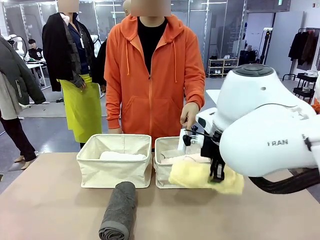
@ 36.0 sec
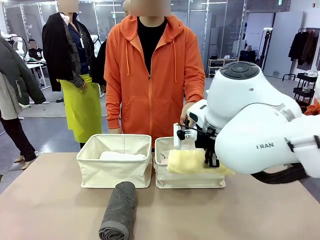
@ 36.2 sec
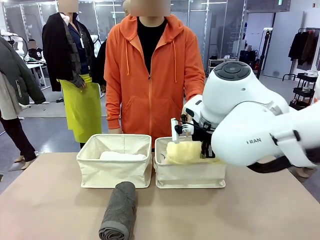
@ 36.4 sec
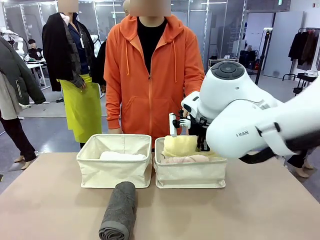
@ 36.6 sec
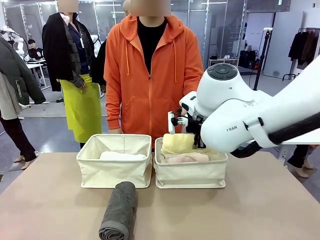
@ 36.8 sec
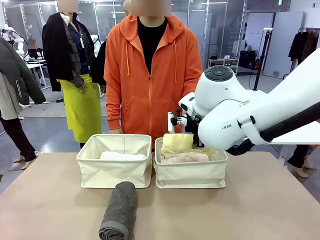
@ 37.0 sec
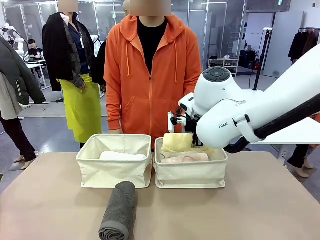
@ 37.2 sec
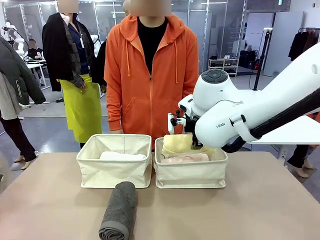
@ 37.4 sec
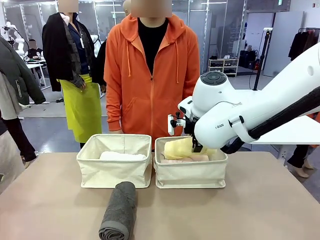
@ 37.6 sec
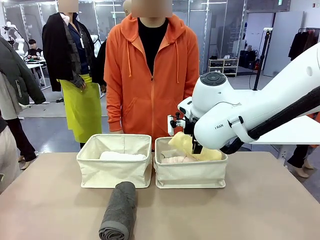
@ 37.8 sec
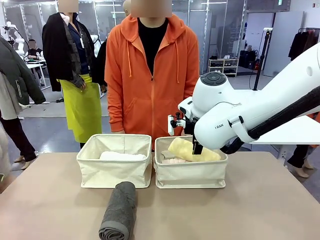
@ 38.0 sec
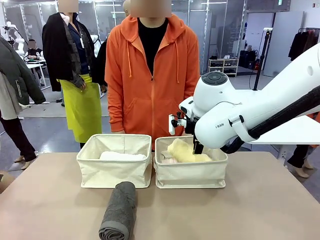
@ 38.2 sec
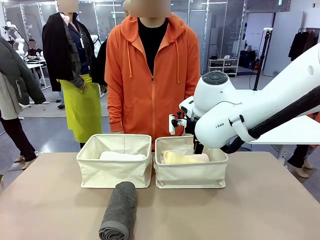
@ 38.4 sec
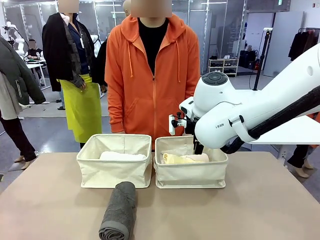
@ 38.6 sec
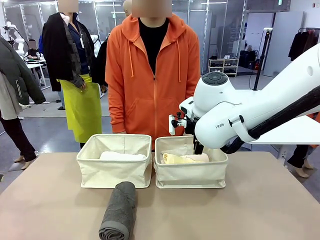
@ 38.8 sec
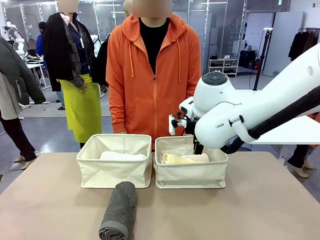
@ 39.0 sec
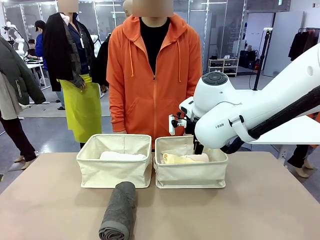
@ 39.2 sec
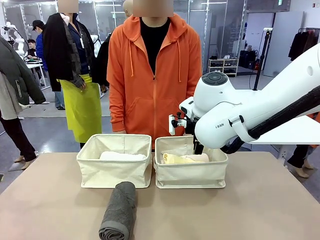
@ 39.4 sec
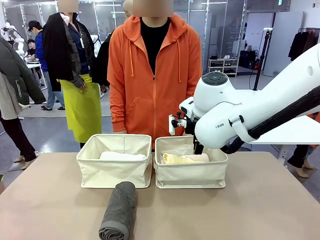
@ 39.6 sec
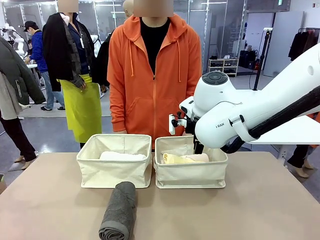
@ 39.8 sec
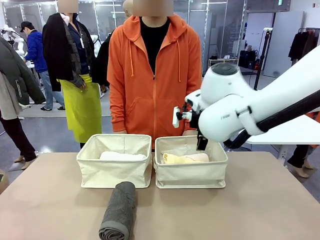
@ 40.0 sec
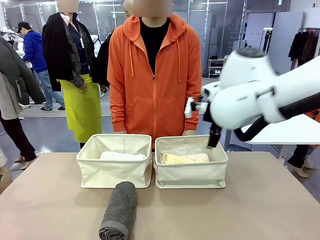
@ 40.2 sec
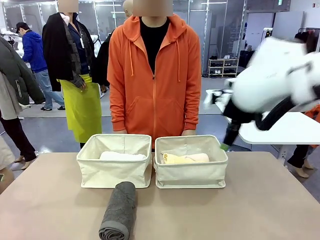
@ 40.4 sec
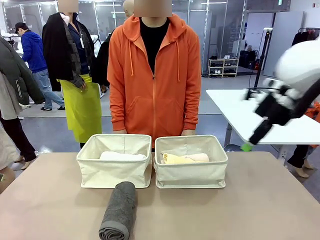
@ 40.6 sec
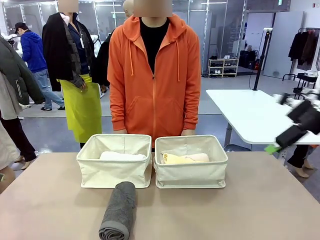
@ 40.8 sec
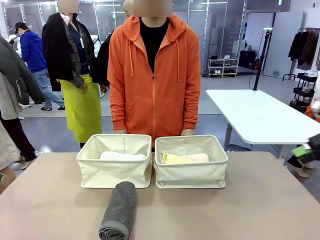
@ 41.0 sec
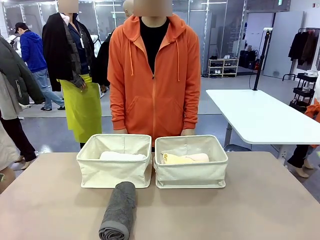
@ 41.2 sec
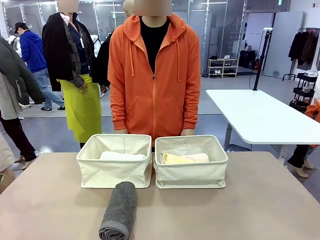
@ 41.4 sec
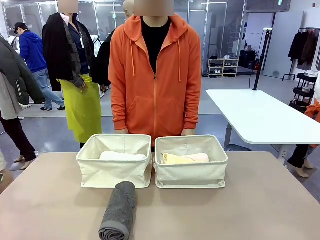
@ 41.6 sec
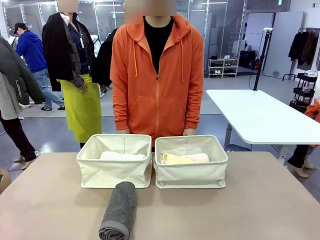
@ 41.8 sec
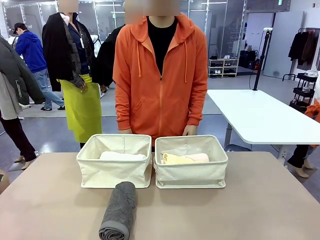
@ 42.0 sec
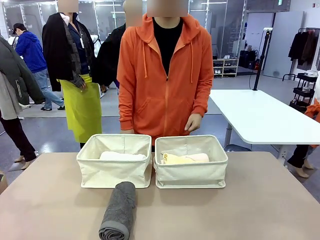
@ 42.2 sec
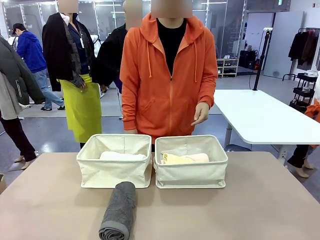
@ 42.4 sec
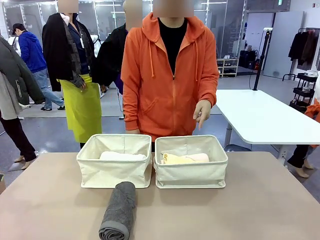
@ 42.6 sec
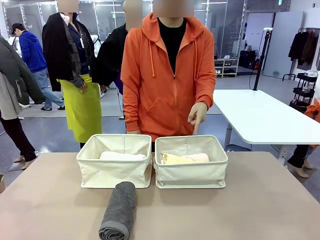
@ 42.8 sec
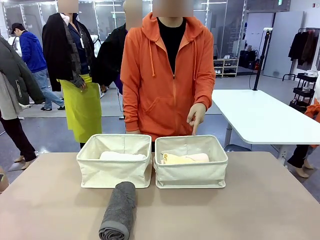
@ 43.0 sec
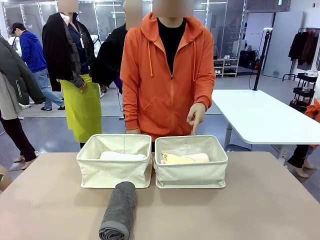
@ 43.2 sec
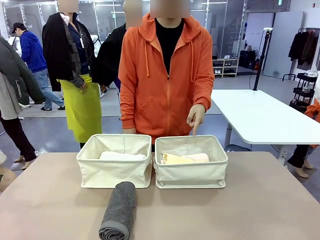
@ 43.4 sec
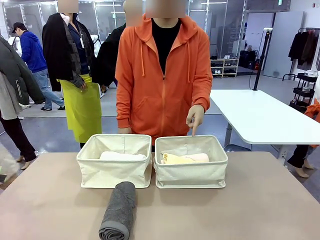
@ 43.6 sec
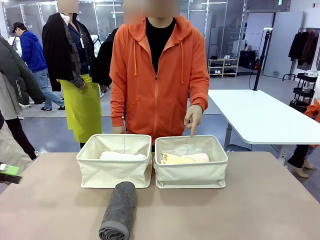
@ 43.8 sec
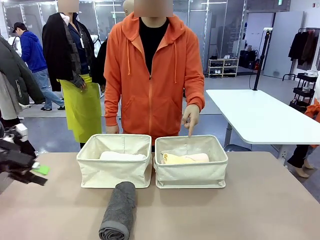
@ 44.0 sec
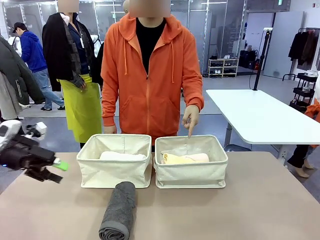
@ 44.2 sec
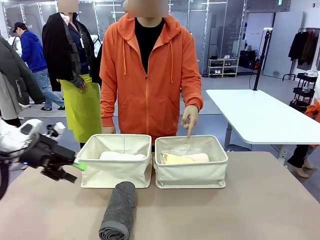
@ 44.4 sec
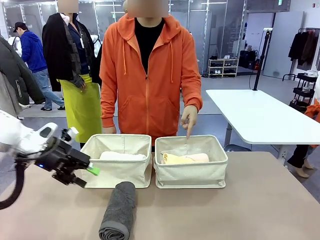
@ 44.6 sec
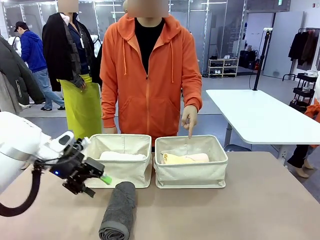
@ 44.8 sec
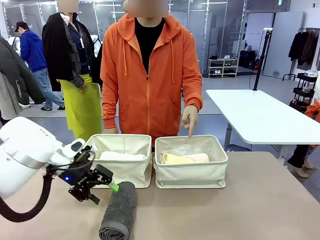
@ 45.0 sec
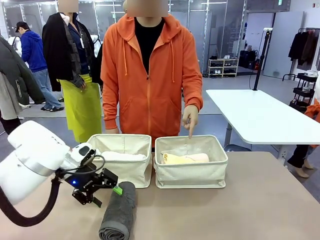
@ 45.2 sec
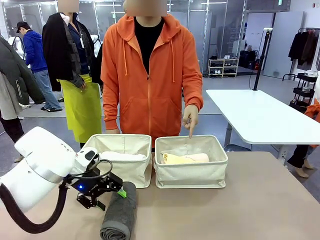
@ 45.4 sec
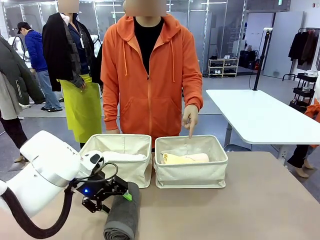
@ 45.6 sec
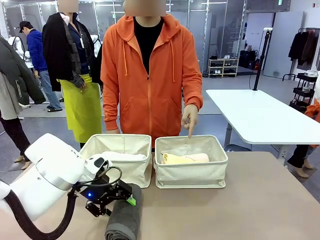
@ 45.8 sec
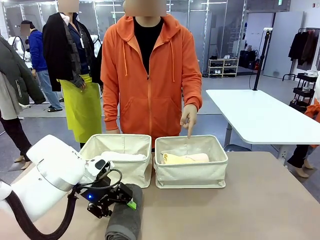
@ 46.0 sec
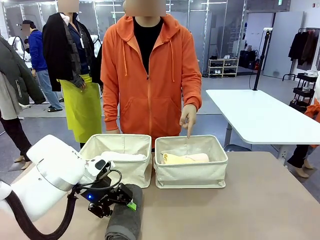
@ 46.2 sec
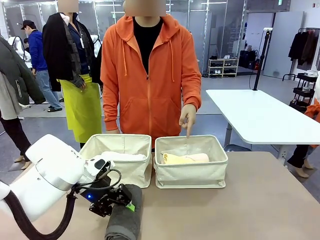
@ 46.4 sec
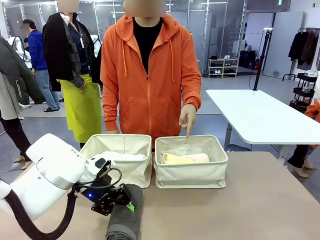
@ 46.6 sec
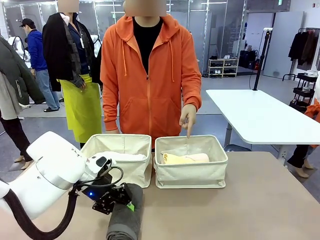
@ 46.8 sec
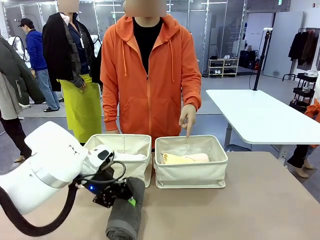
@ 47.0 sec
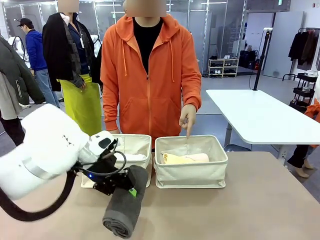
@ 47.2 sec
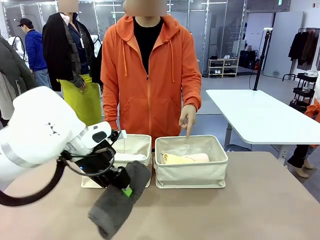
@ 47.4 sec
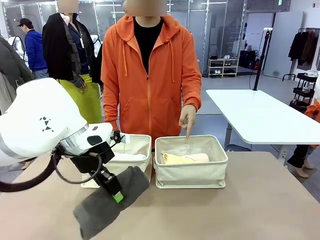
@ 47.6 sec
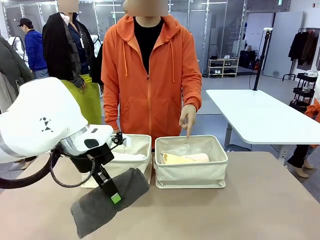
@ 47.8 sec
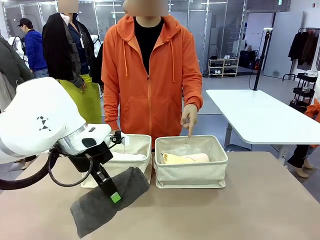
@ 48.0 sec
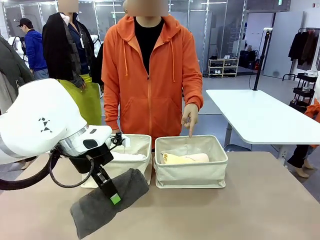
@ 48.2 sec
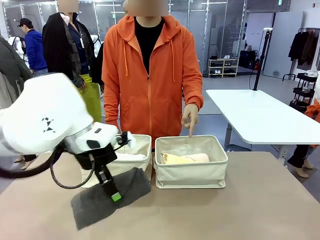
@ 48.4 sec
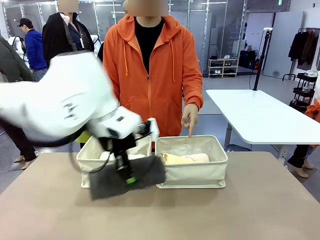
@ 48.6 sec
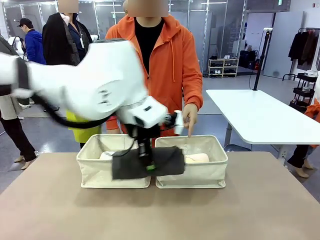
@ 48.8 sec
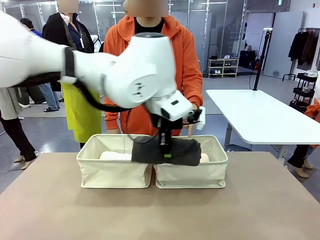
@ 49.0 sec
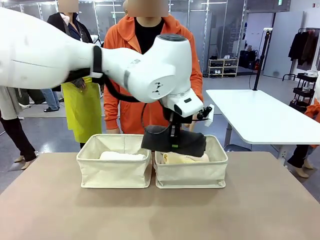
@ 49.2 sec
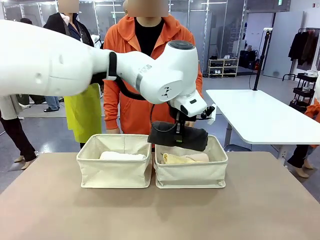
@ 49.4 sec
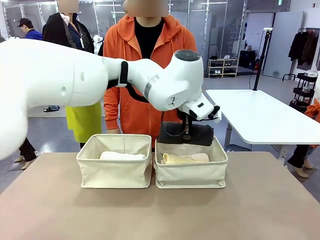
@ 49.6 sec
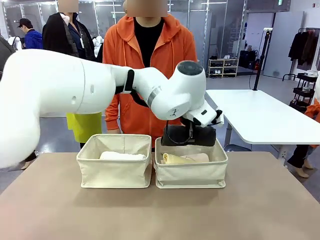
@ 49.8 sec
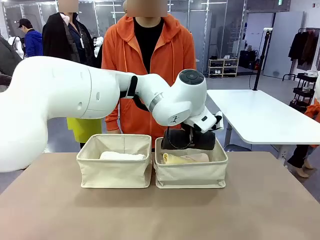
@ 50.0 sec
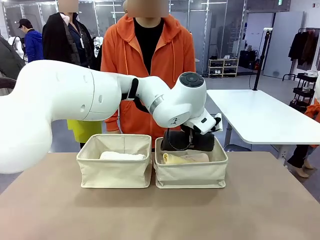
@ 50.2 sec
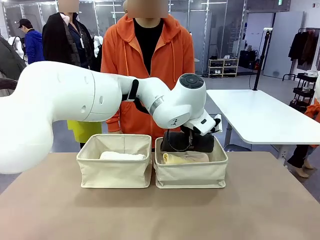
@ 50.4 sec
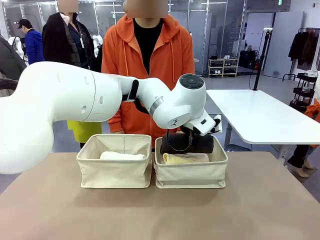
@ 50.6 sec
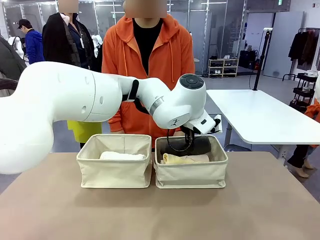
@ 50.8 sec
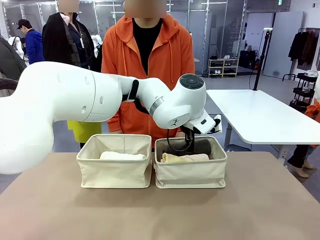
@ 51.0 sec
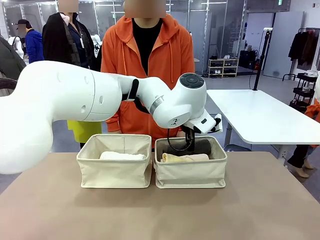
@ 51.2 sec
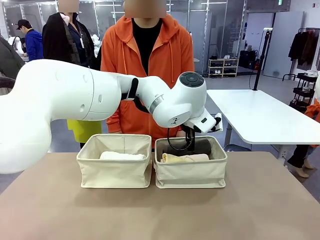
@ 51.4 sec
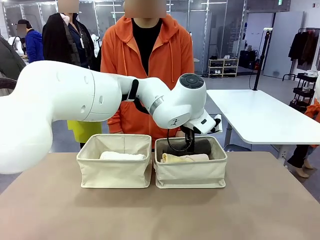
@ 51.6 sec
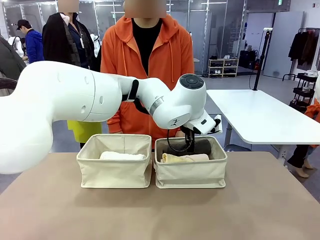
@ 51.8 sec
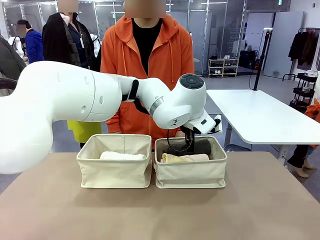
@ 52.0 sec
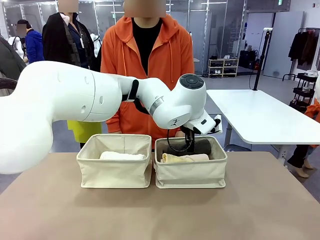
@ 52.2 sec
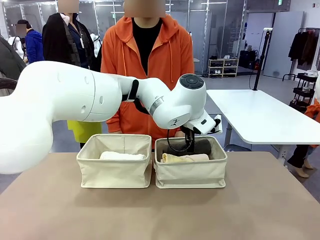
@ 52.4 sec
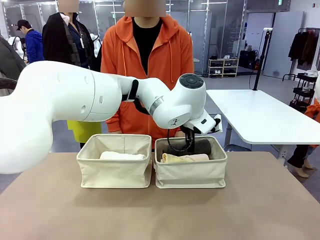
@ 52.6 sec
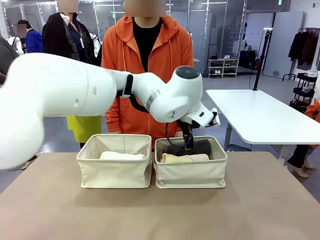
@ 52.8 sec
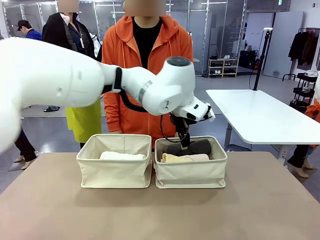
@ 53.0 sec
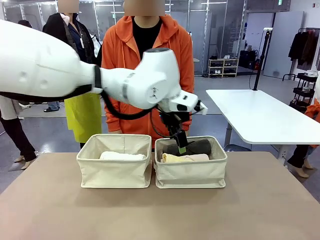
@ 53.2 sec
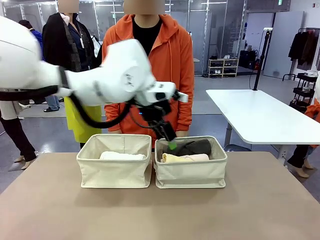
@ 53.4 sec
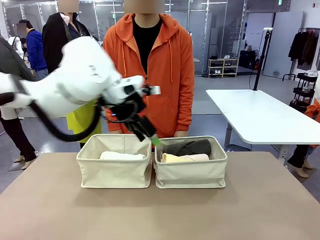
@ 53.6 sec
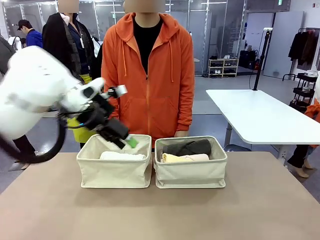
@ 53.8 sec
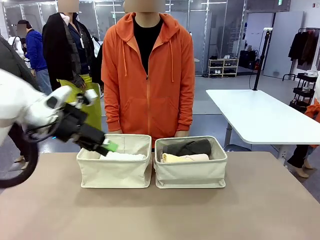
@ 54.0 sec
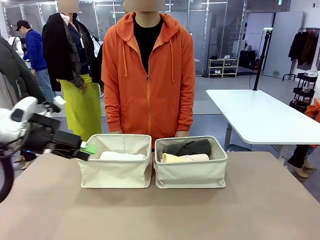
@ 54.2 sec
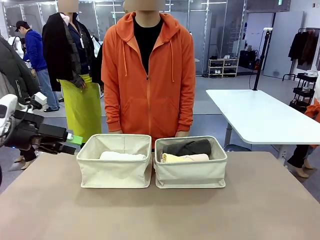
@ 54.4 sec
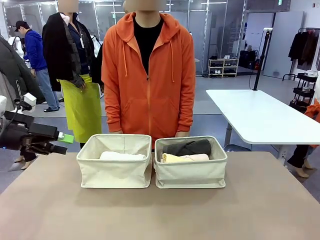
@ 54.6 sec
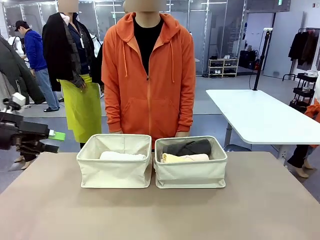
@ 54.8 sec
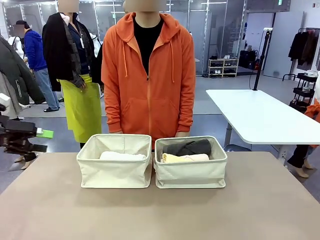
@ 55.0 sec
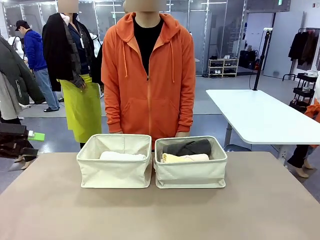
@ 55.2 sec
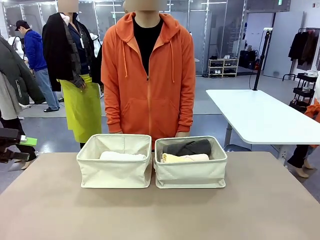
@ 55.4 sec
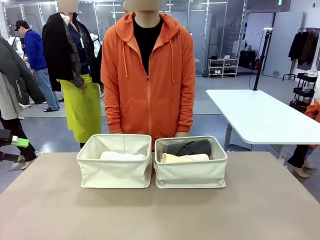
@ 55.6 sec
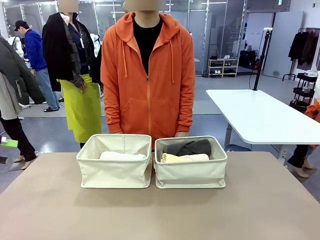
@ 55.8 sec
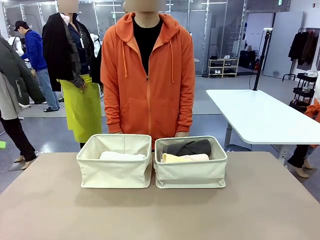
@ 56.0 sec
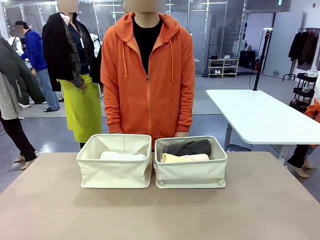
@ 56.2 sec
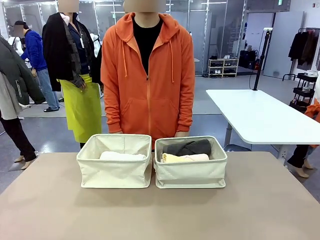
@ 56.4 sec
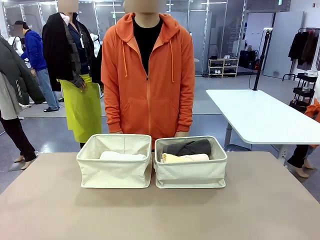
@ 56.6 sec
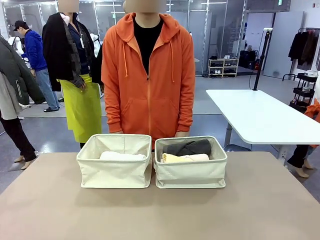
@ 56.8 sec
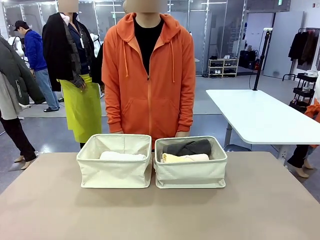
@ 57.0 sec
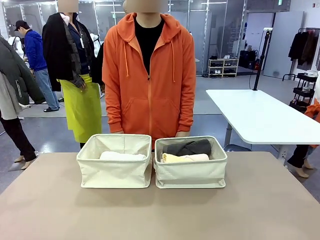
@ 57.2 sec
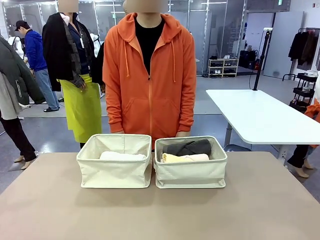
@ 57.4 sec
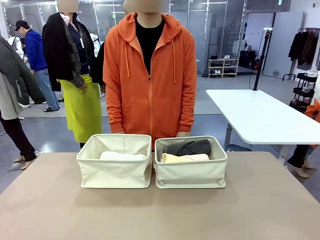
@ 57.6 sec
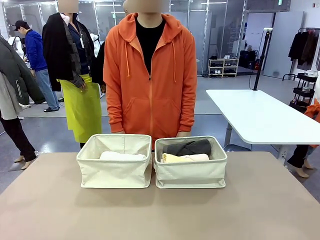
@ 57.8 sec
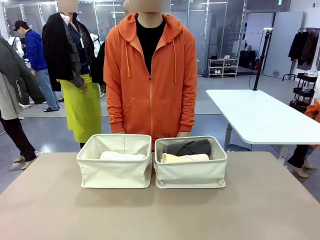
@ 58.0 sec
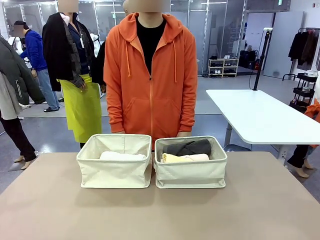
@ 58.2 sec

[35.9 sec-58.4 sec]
Task: Divide the towels into two baskets.
Robot: Pick up one hotel-folded towel from the bottom of the table and place it in the Fabric basket indicated by the person.
